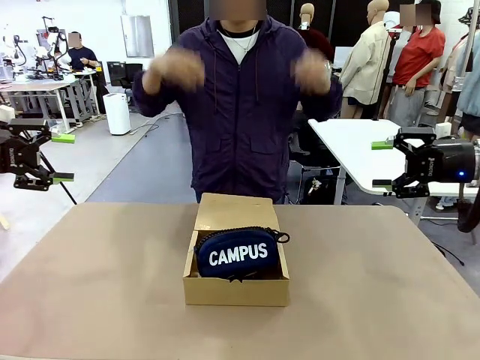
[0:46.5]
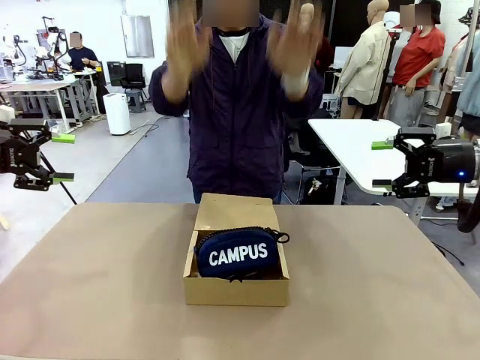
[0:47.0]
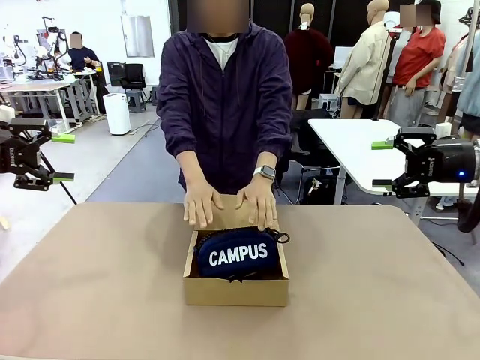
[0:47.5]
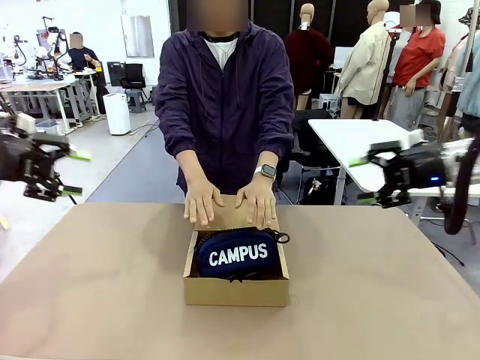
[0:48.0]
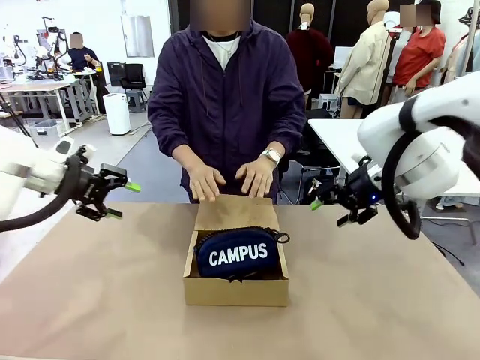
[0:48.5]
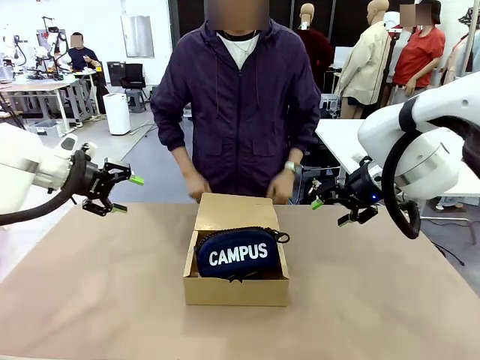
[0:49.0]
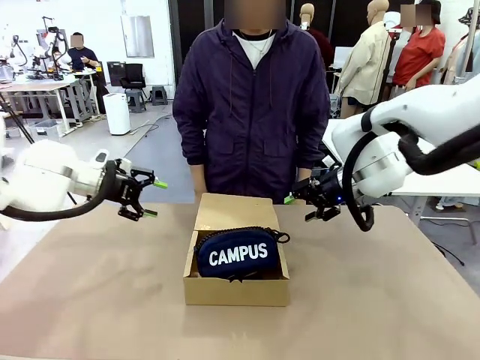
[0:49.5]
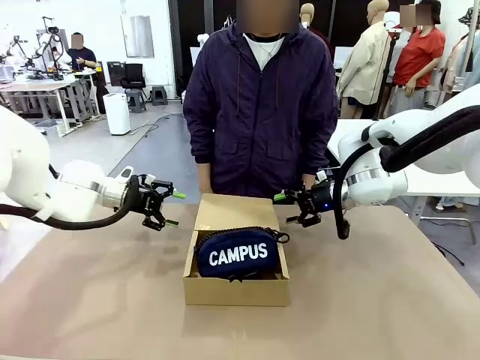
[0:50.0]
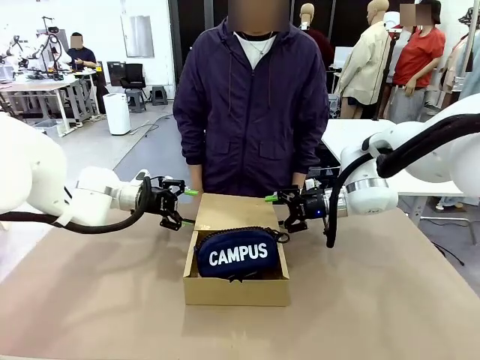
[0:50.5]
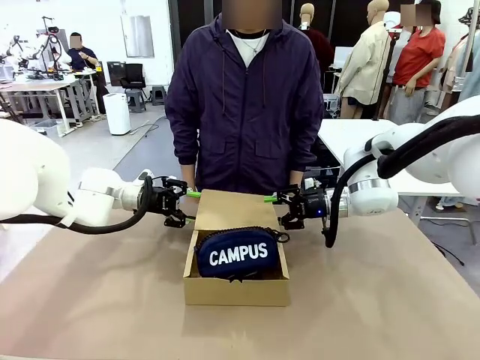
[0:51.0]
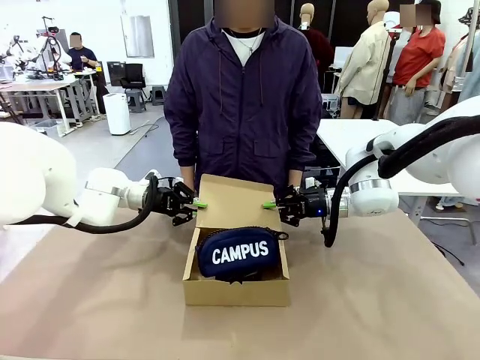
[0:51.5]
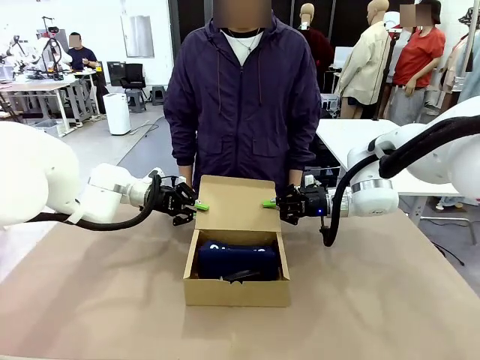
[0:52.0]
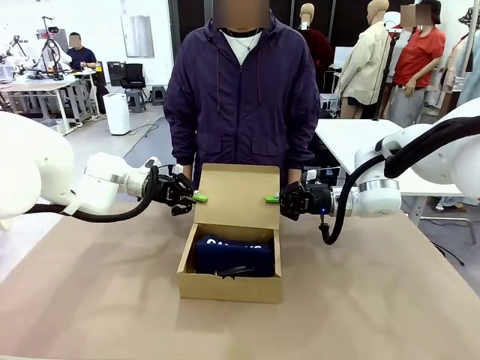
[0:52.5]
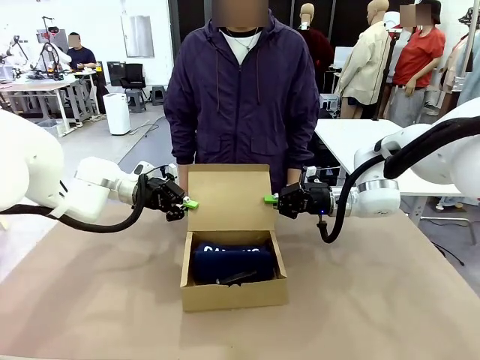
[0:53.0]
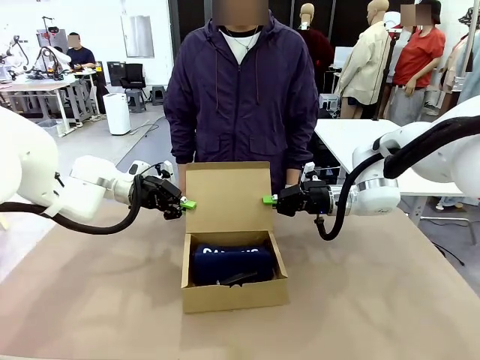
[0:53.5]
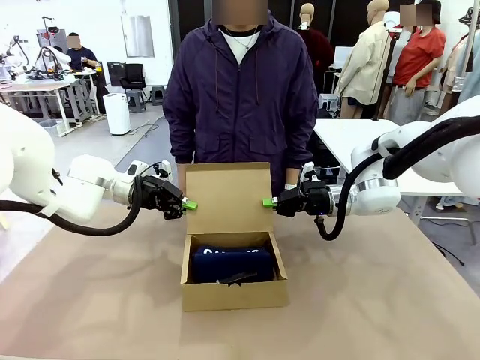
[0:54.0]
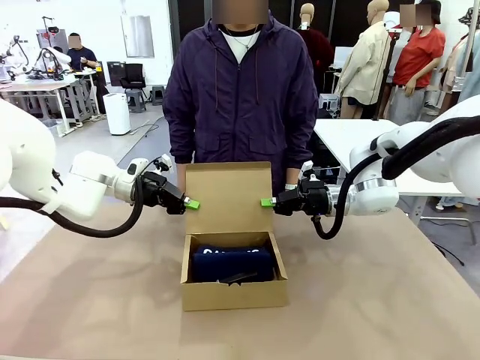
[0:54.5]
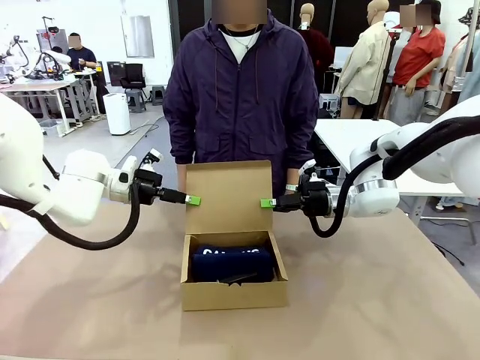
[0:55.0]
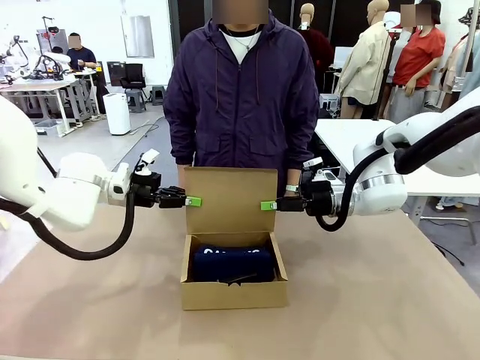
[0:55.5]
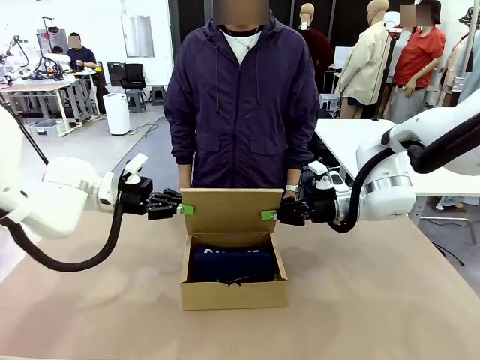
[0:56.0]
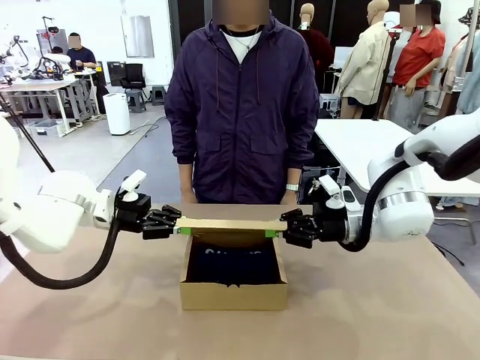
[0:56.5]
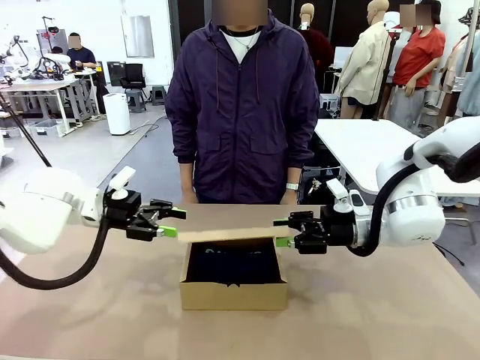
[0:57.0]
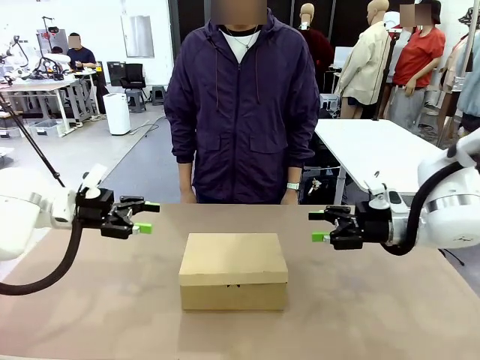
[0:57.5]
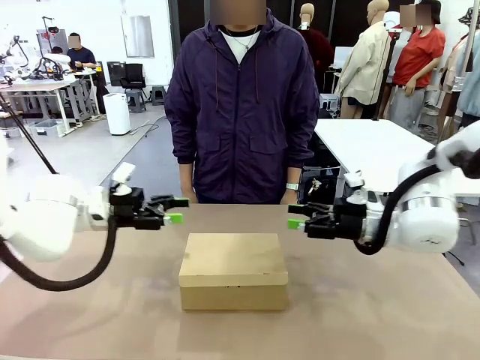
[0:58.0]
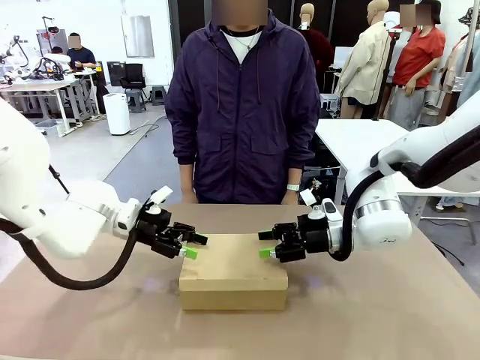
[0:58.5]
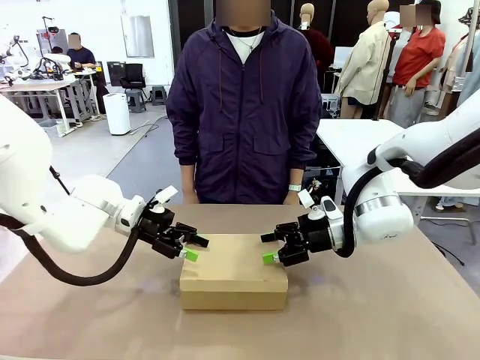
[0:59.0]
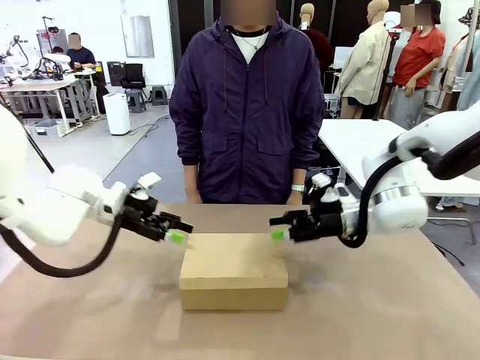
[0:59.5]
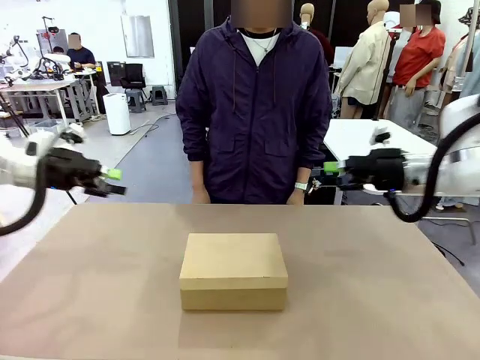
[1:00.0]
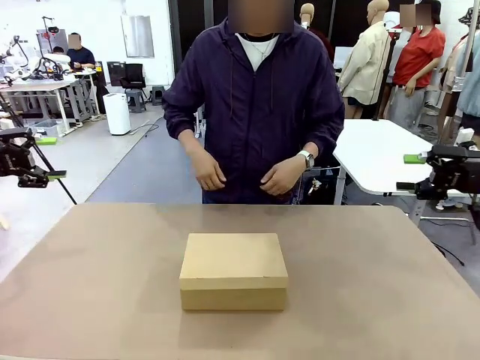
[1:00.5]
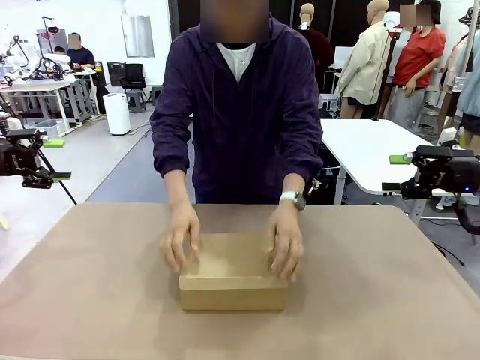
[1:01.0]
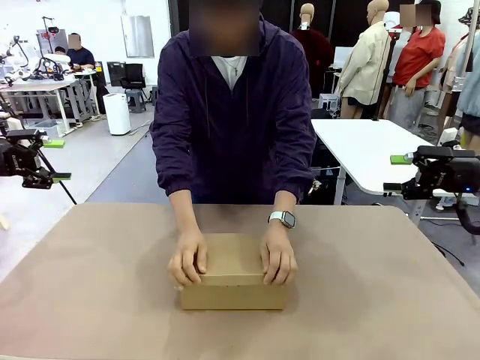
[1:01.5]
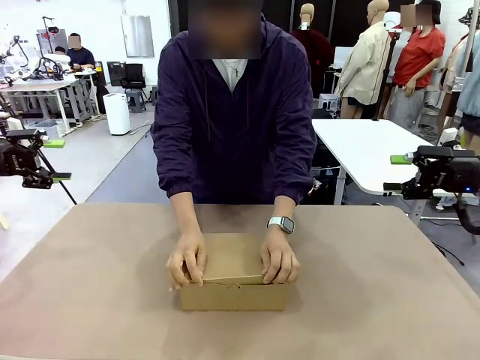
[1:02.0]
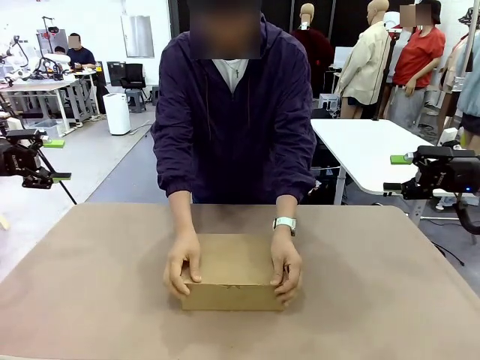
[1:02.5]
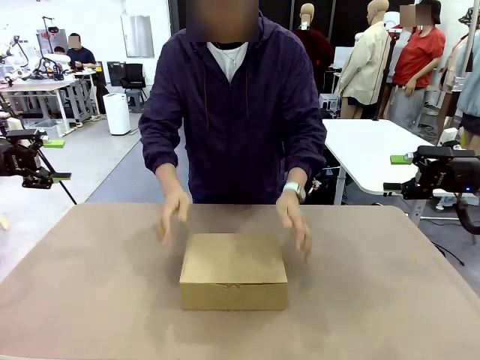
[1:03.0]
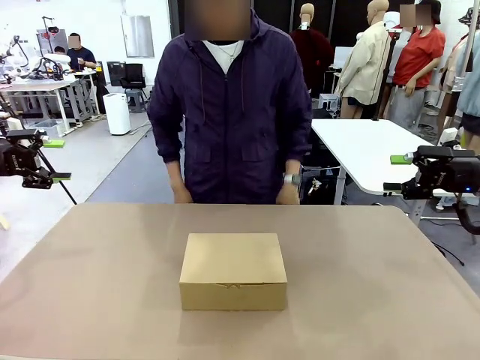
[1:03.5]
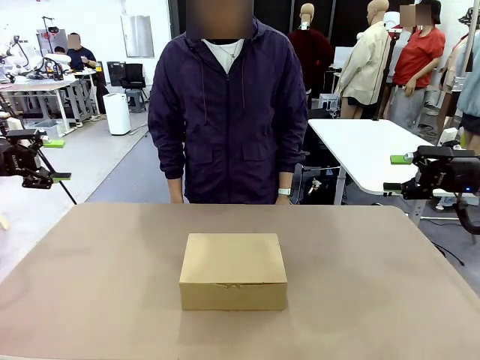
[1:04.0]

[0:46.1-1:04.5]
Task: Pack the items into the box.
Robot: Close the Mailer Box.
Person: Turn the box and lock it.

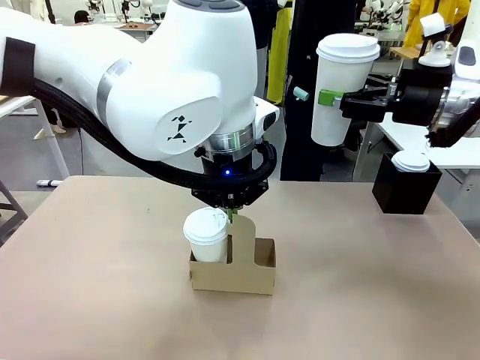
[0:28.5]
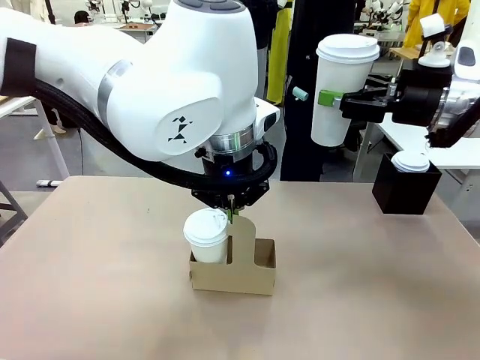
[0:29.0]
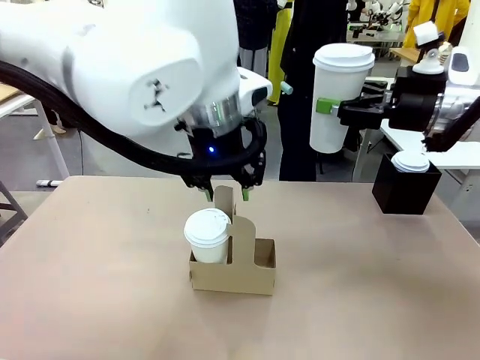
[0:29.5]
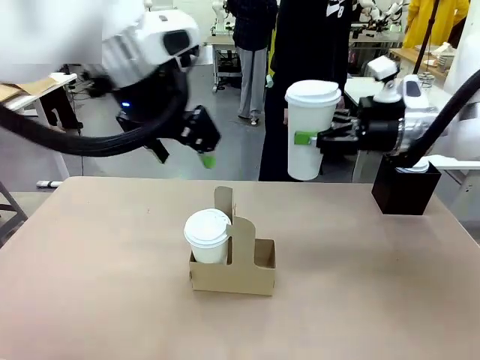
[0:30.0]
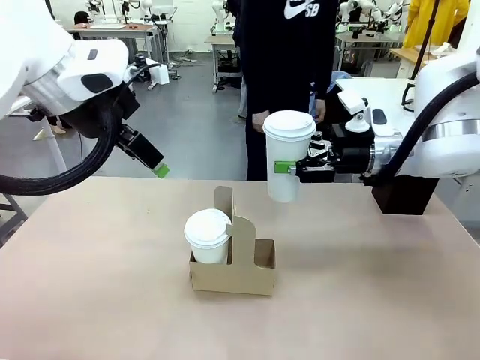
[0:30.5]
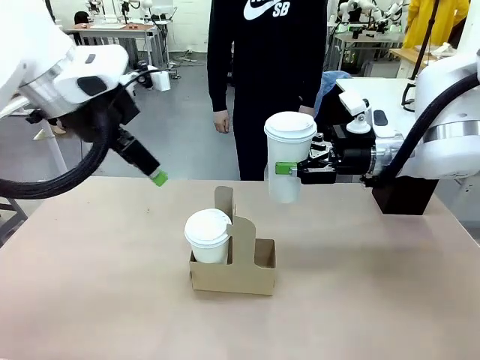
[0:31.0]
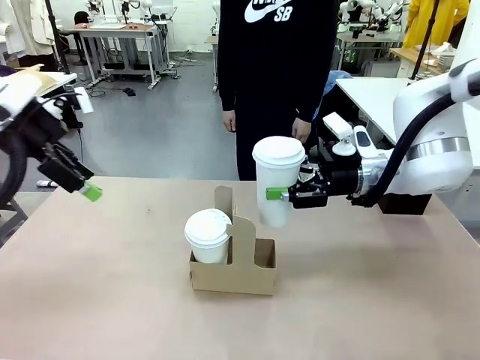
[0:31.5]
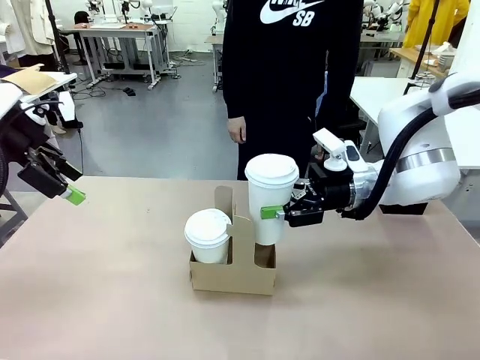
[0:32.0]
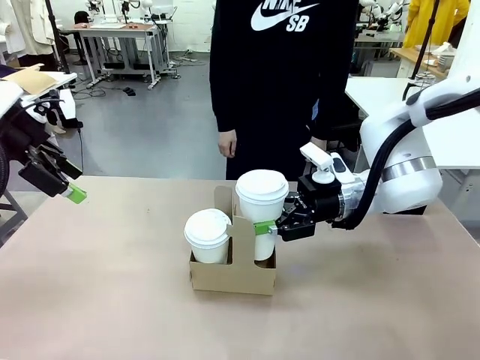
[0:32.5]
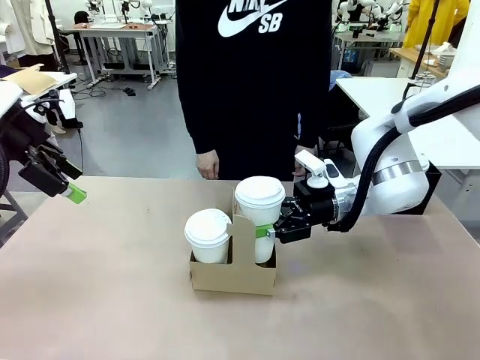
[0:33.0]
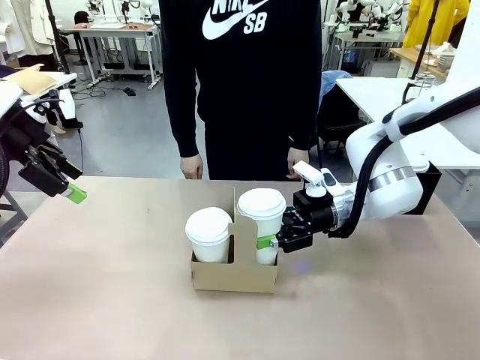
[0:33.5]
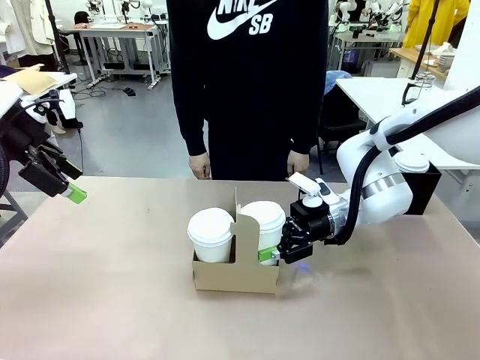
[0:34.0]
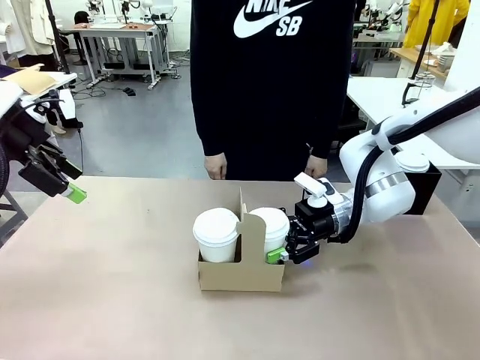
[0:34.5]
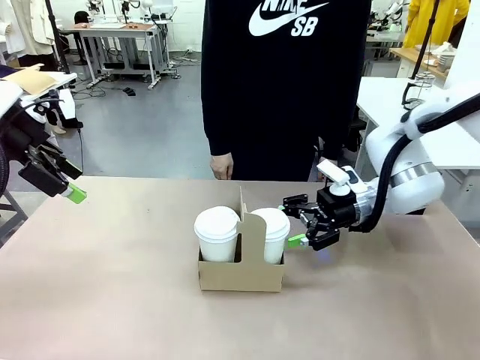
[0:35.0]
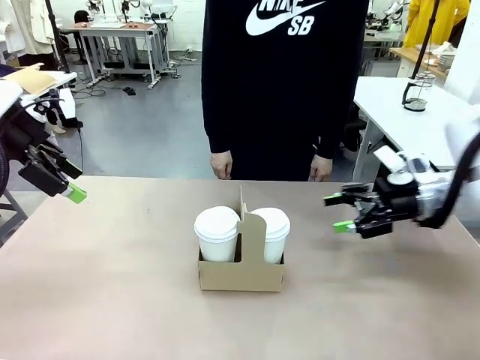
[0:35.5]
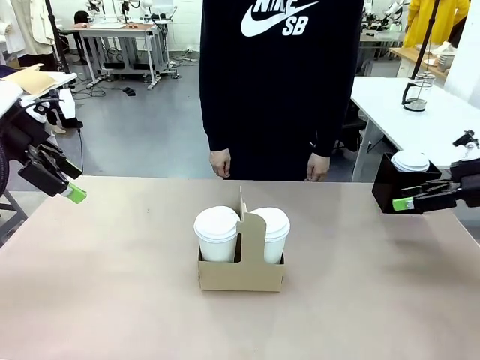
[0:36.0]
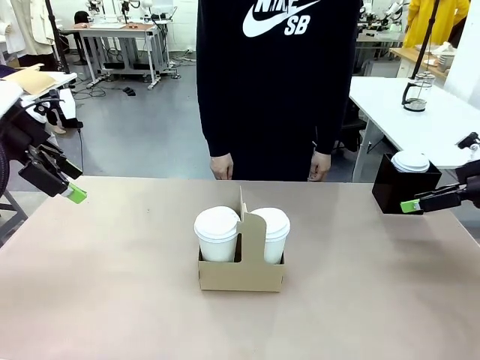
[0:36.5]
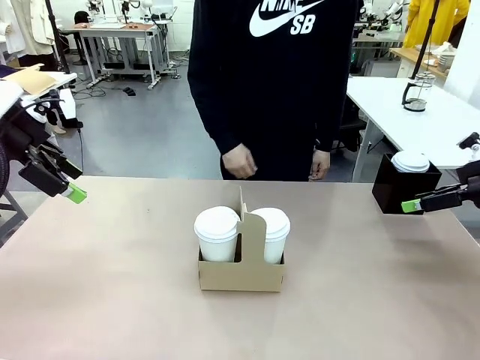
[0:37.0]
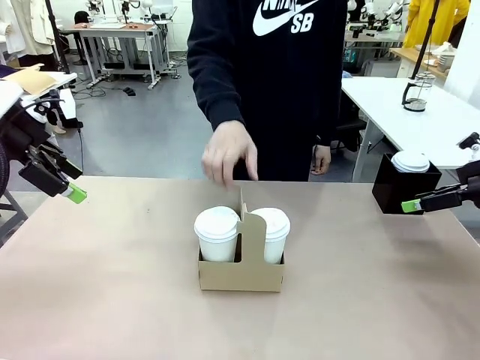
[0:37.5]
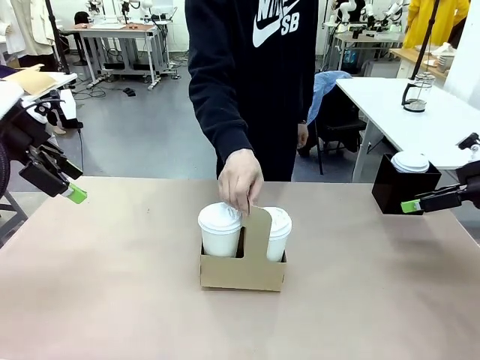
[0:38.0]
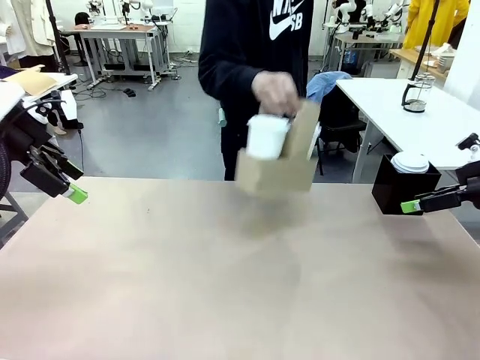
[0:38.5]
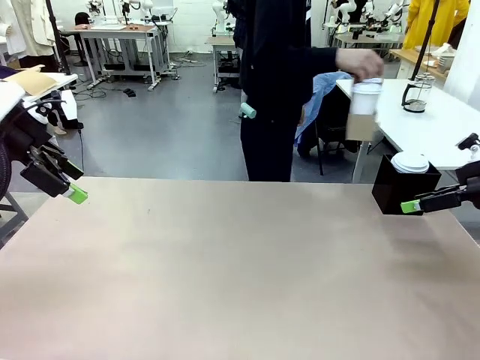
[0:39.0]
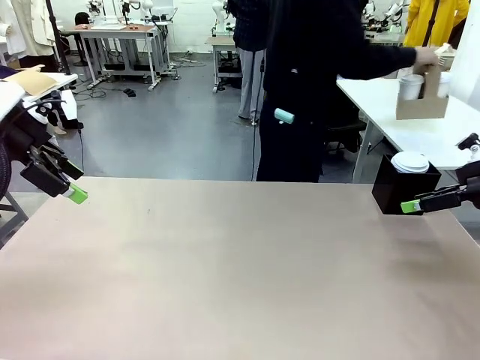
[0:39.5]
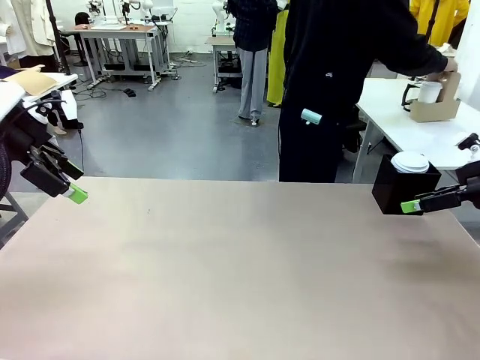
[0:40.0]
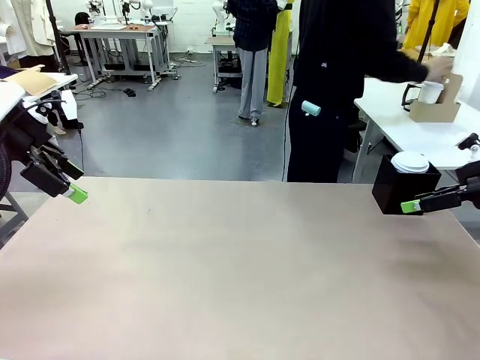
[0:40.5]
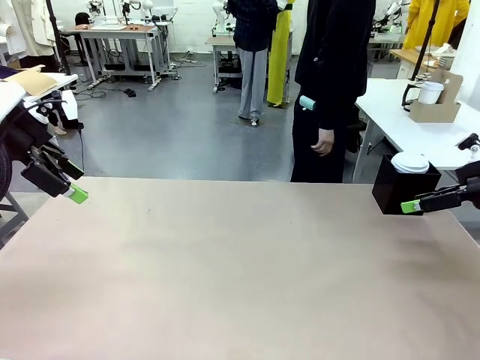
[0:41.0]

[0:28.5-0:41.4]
Task: Pour a drink into a cup and package it in a carrier.
Robot: Insert the held 600 ml Paper Cup into the Cup Carrier.
Person: Place the Cup Carrier to the middle of Human table.
